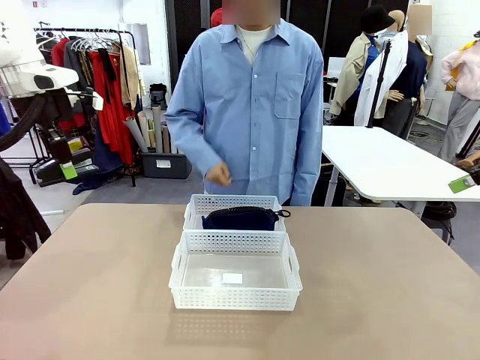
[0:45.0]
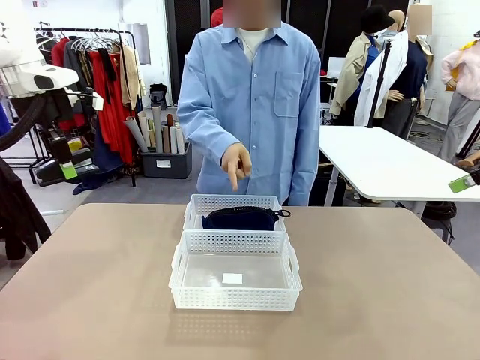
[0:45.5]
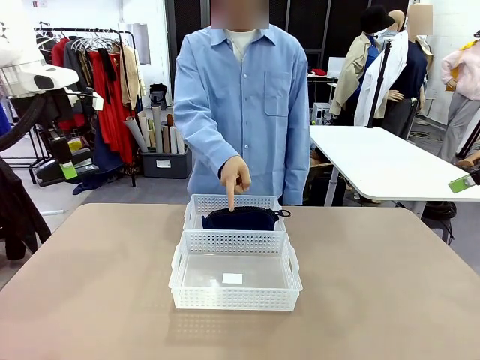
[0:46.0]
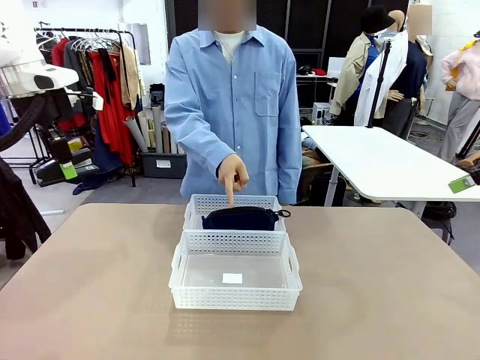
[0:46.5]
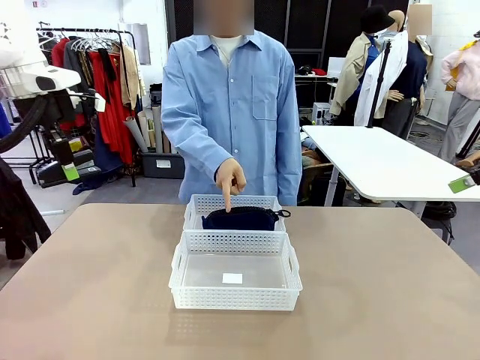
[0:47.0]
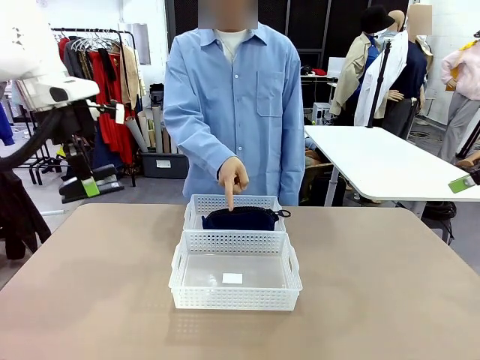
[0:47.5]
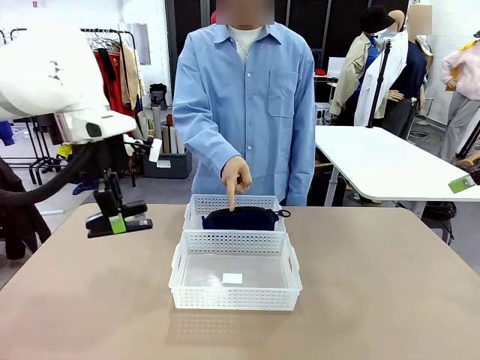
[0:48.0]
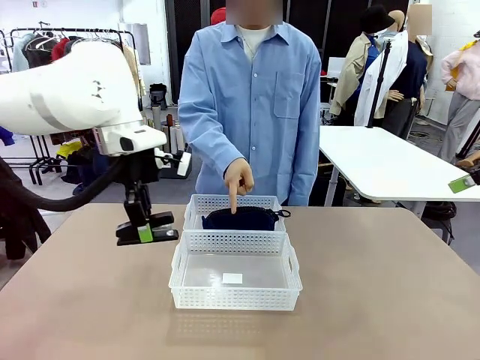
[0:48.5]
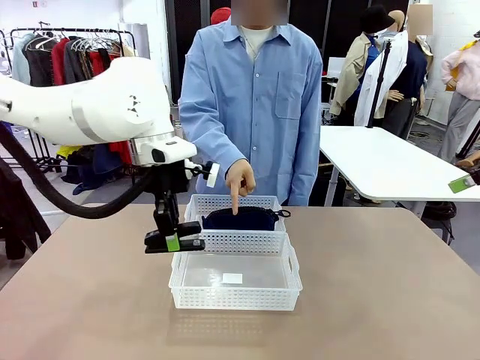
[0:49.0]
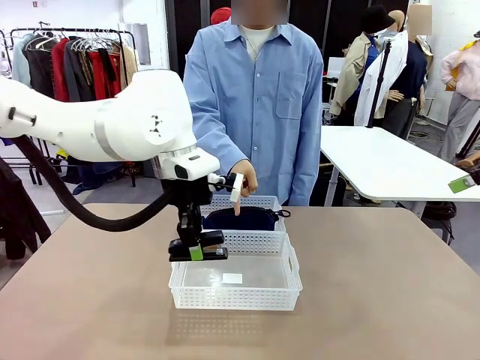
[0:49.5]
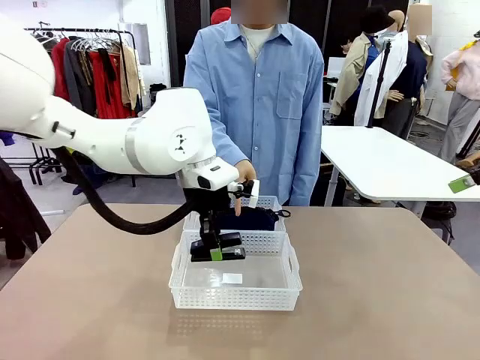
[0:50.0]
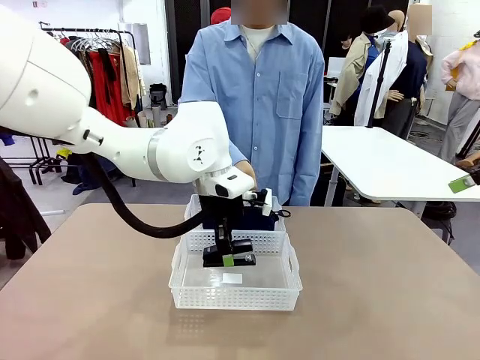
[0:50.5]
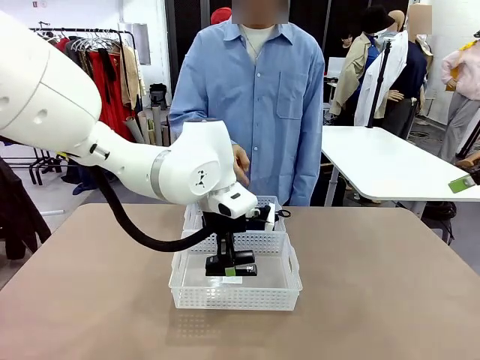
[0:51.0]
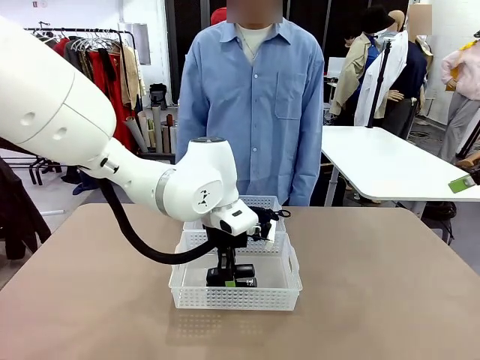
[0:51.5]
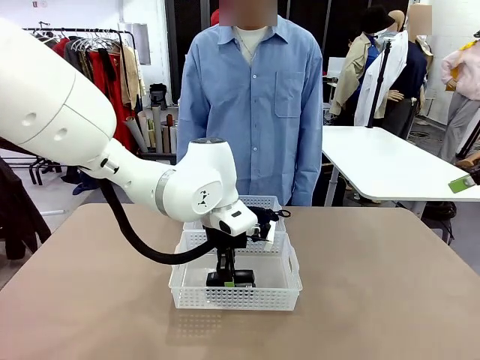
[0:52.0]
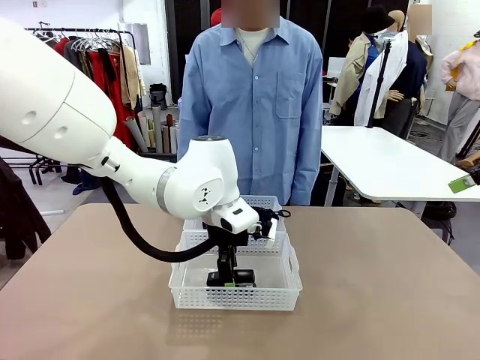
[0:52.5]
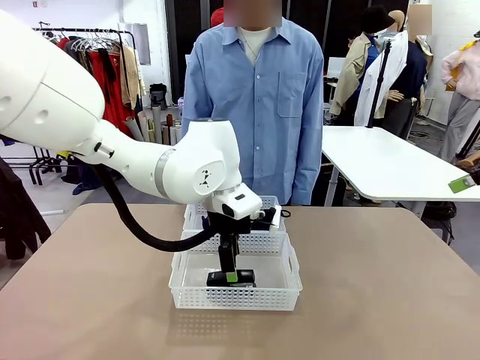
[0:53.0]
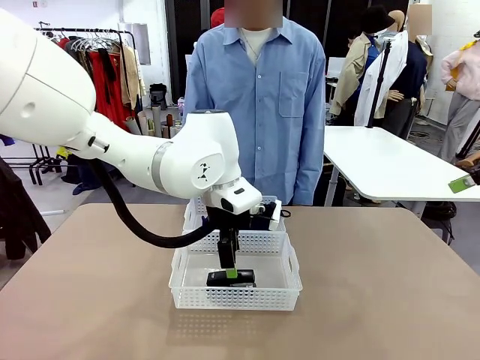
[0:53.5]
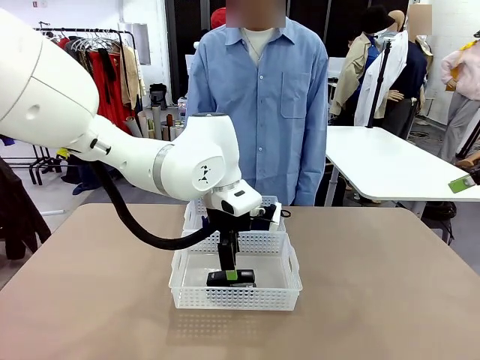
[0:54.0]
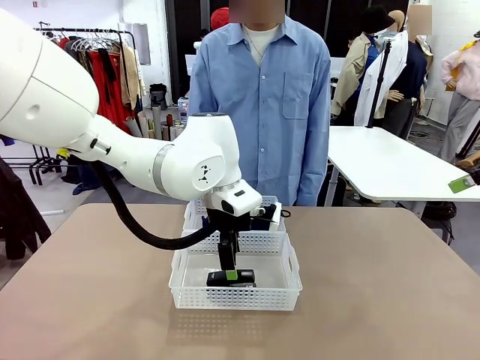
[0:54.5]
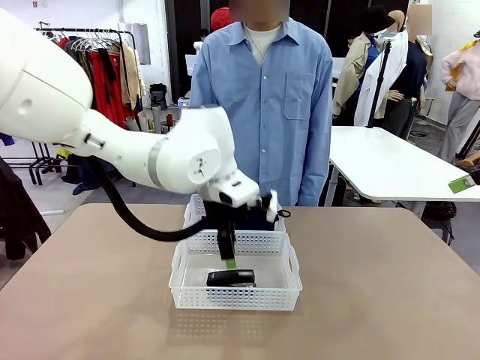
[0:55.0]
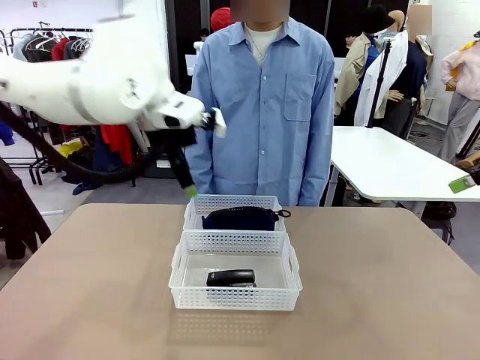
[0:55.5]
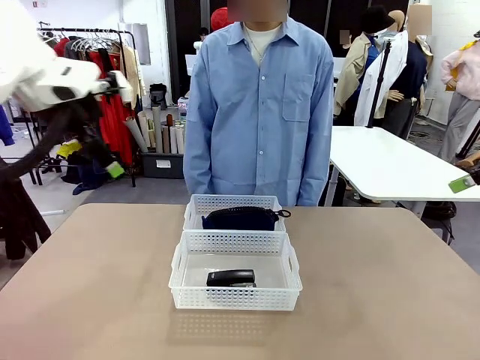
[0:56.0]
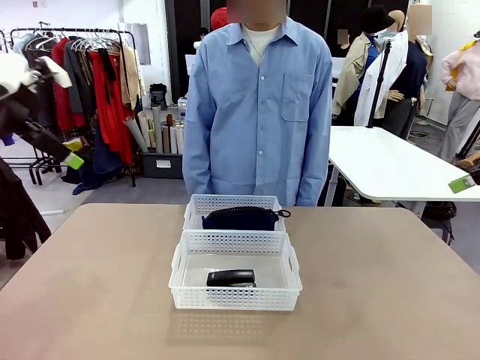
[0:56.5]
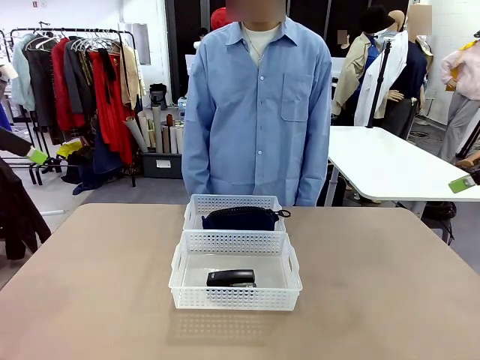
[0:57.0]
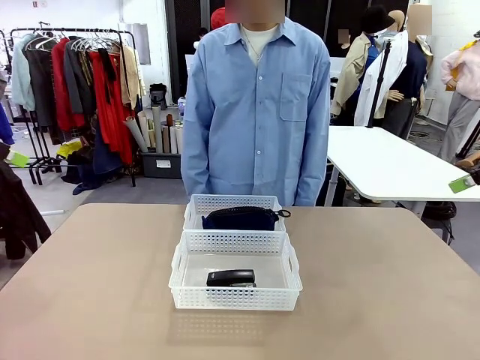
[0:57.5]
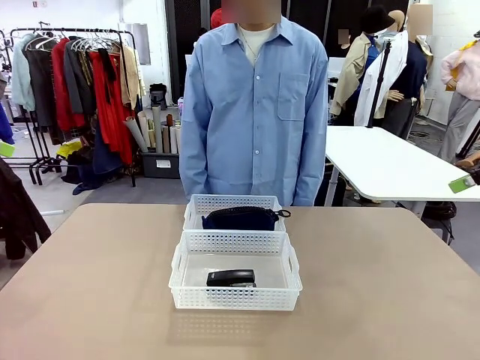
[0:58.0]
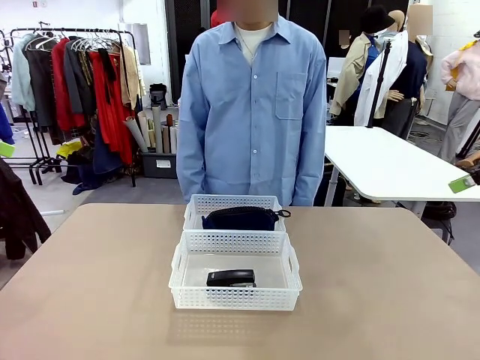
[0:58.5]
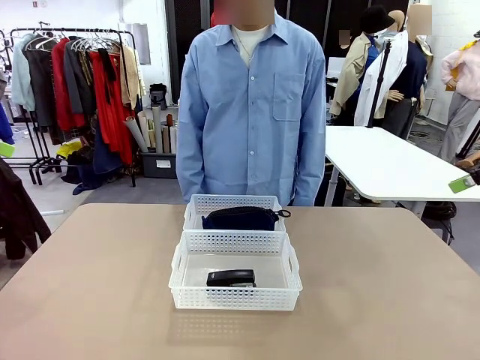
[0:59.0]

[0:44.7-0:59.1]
Task: Distribute items into two baskets.
Robot: Place the picked Stapler into the Organizing basket as instructed by the person.
Person: Points to the basket that does not contain the pencil case and instructs the robot to move the stapler there.

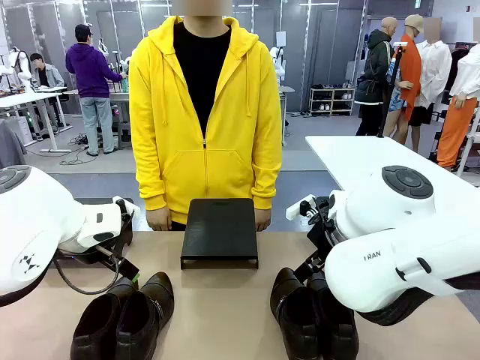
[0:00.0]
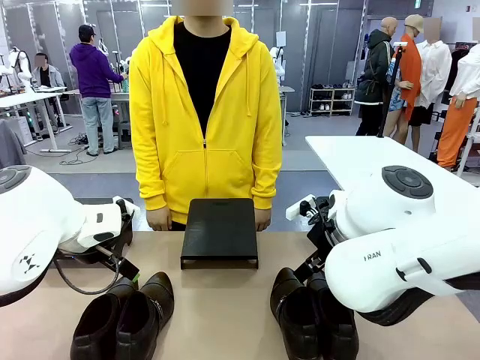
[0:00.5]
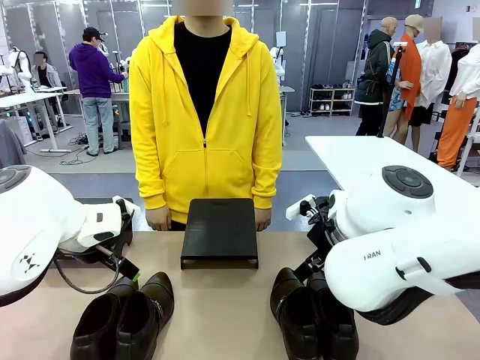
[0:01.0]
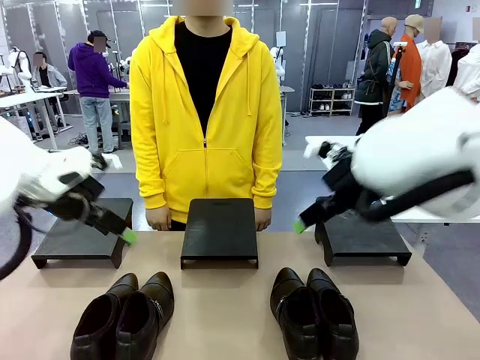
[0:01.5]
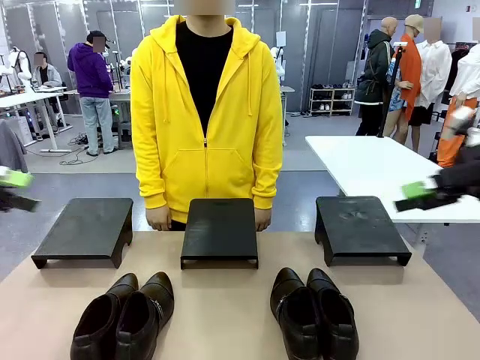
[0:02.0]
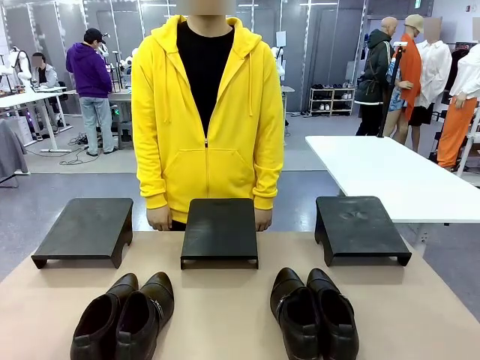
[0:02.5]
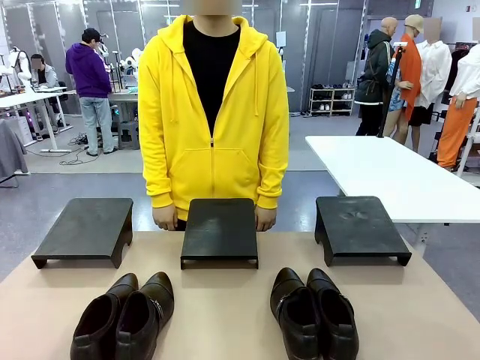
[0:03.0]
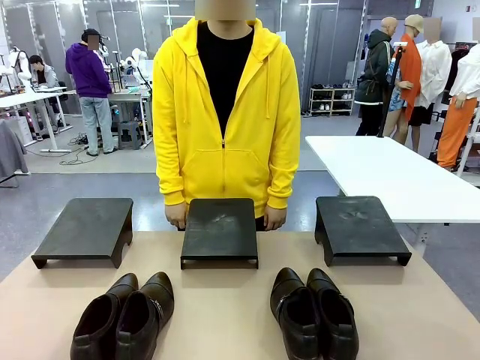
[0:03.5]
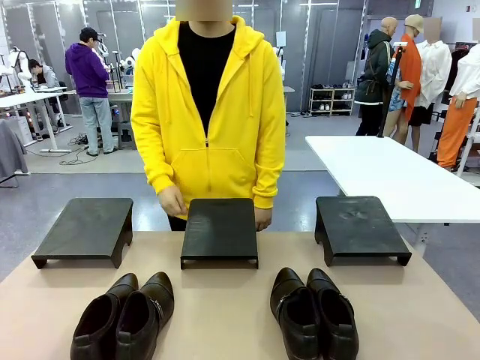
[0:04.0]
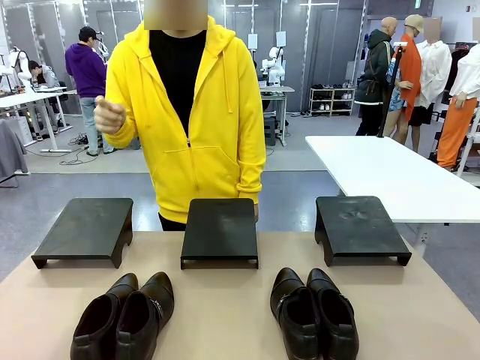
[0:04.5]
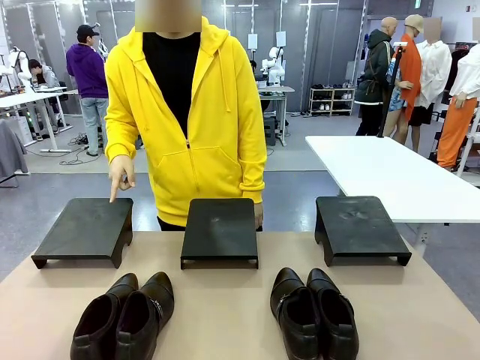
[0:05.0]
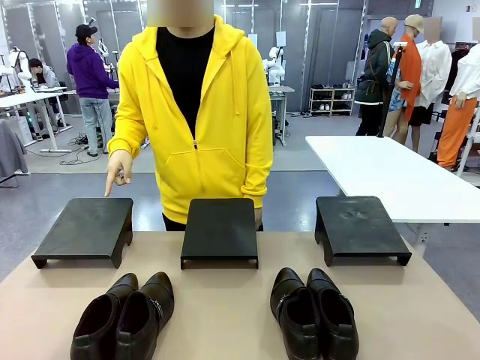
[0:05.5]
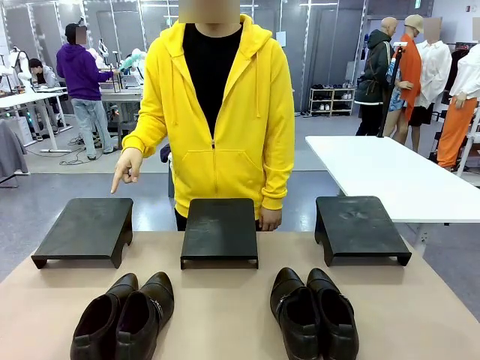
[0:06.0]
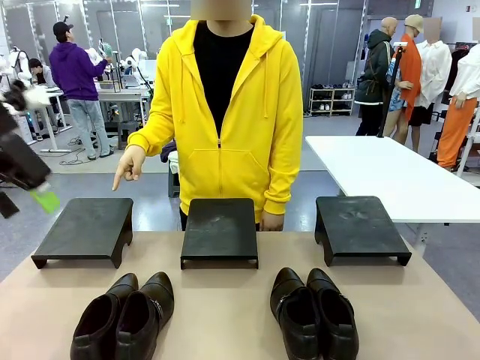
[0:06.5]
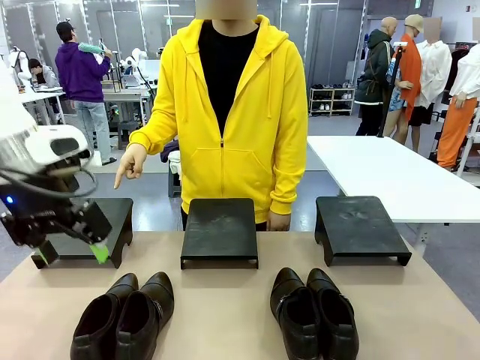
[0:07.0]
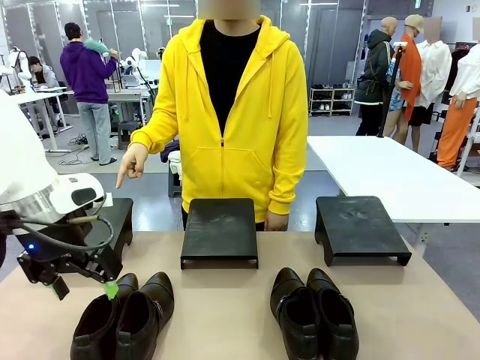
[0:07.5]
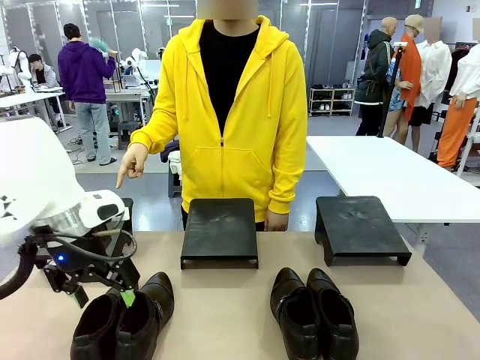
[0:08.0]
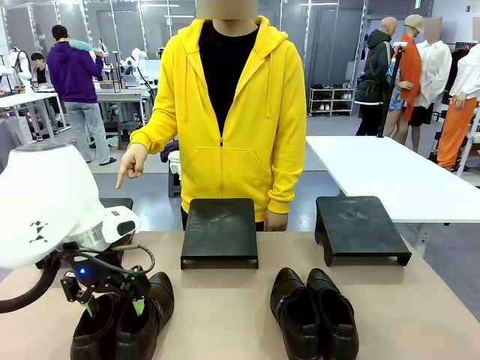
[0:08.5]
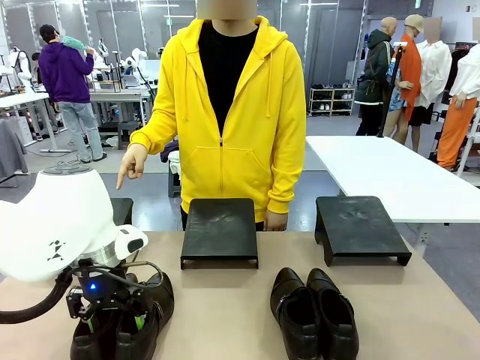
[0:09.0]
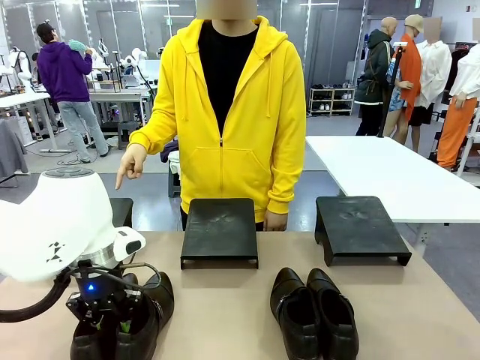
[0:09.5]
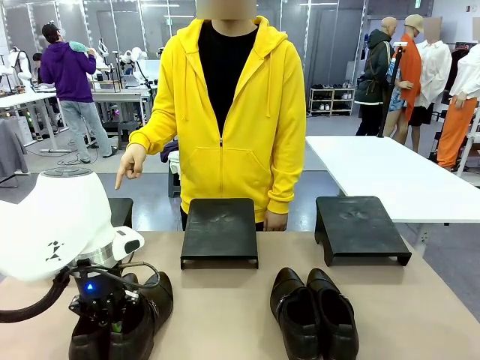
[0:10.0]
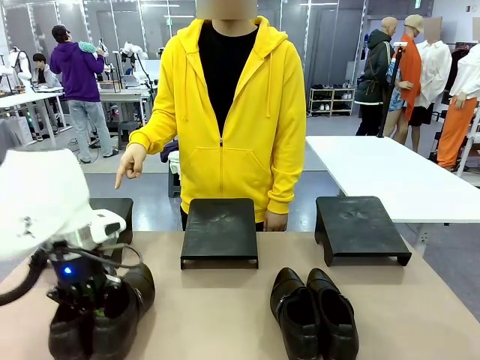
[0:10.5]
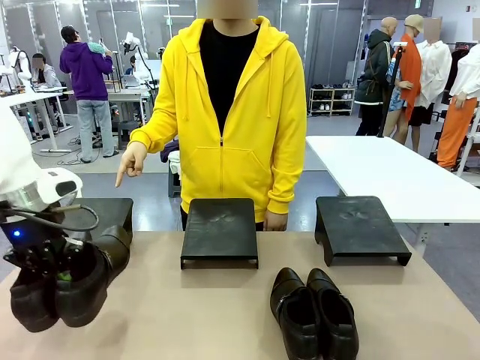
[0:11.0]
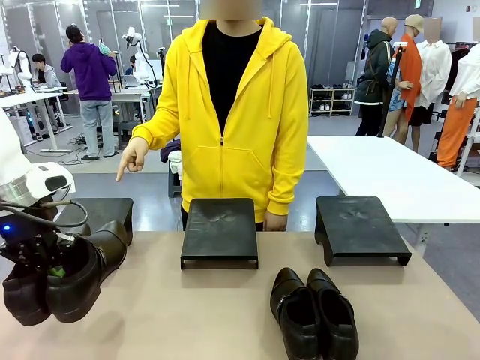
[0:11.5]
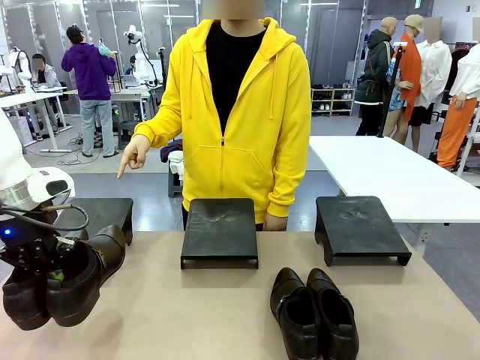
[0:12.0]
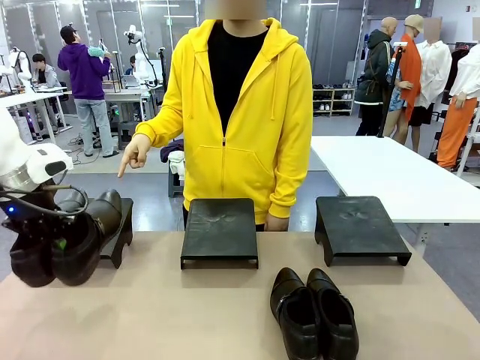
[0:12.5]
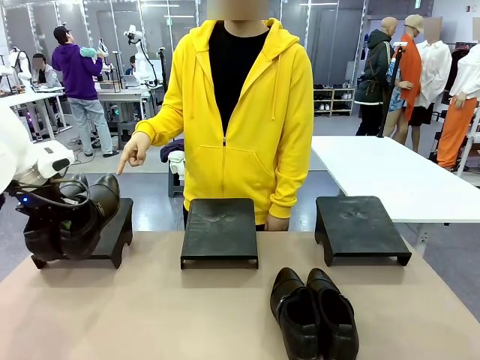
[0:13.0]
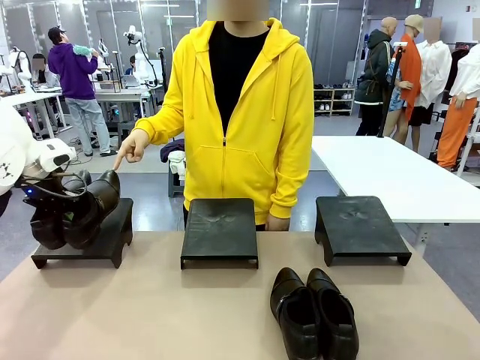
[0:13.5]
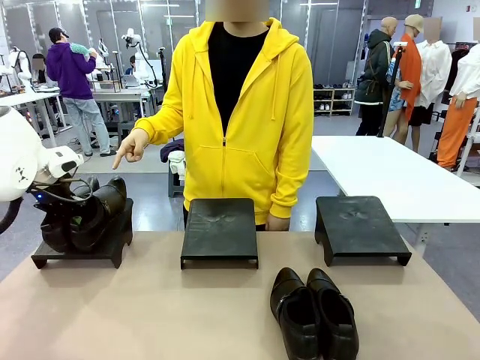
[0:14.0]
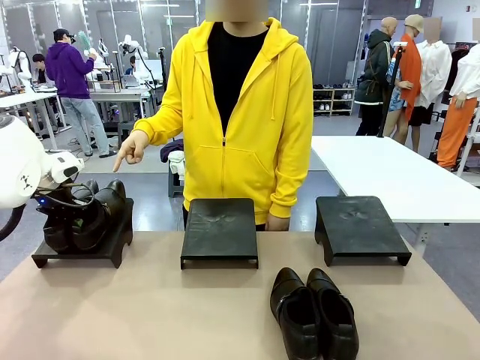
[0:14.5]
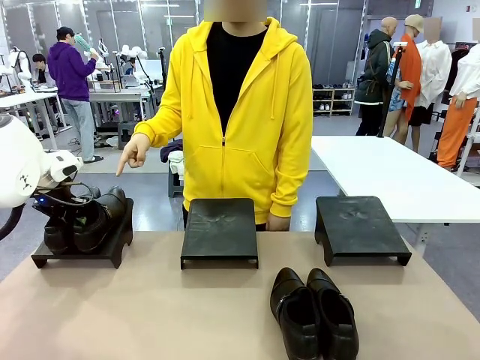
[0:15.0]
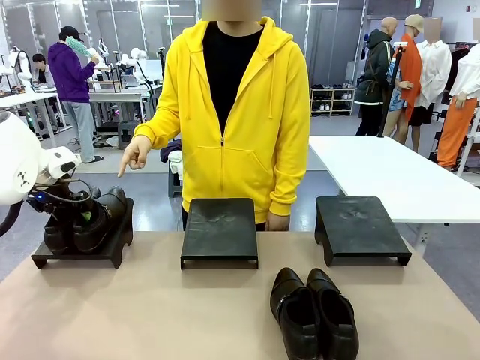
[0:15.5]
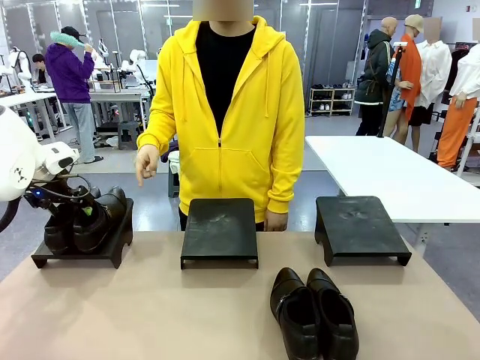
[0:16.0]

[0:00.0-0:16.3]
Task: Place the shoes on the stand as instructed by the person.
Robot: Pick up one pair of Shoes and place it on the Shoes Stand indicated by the person.
